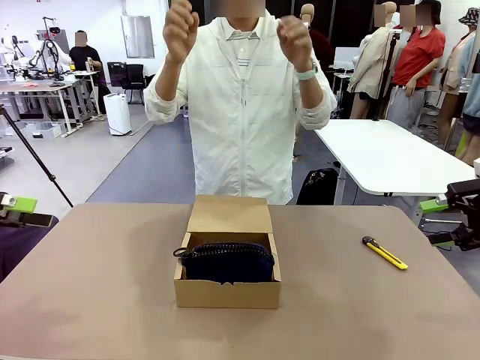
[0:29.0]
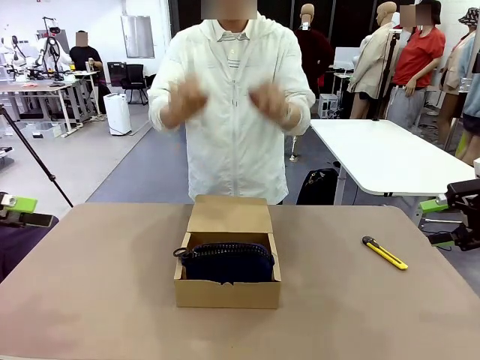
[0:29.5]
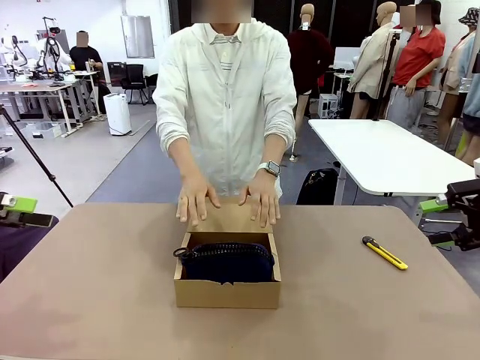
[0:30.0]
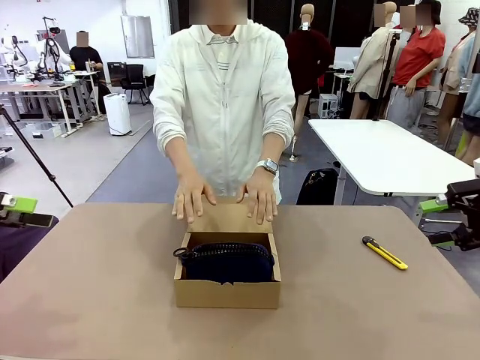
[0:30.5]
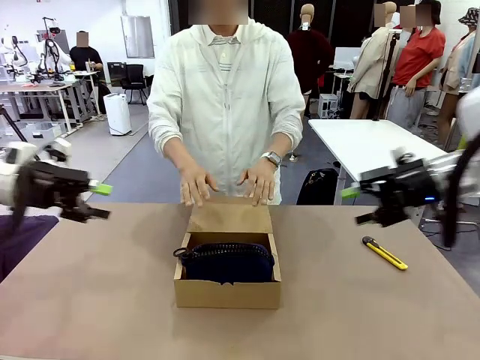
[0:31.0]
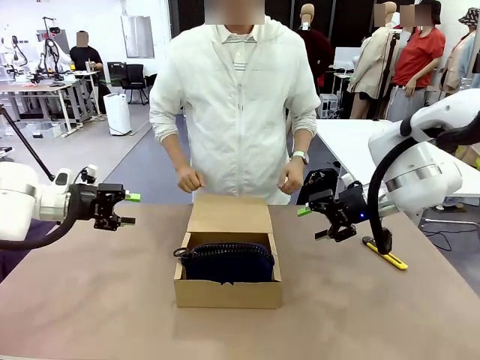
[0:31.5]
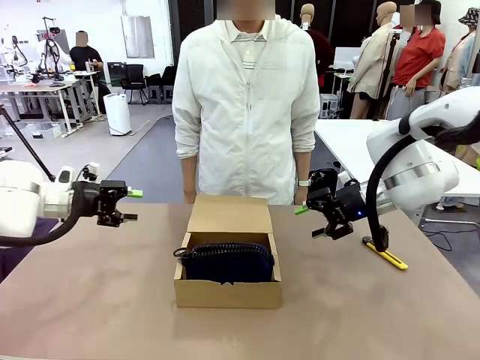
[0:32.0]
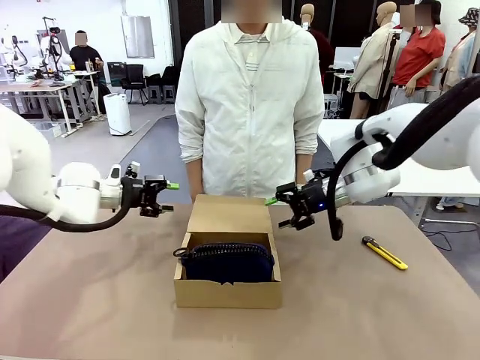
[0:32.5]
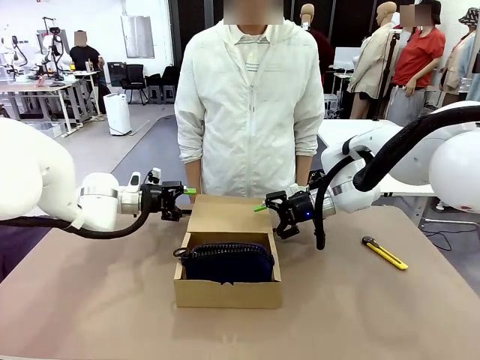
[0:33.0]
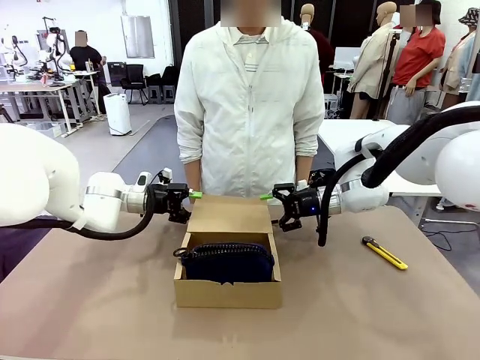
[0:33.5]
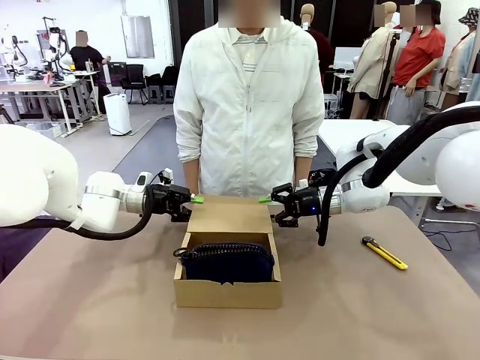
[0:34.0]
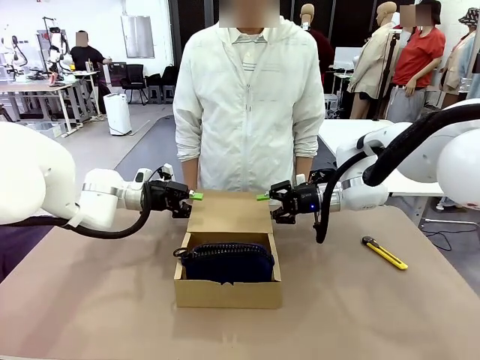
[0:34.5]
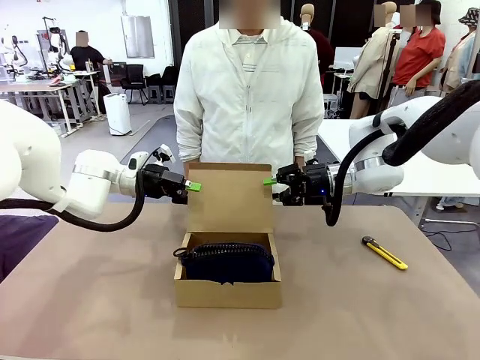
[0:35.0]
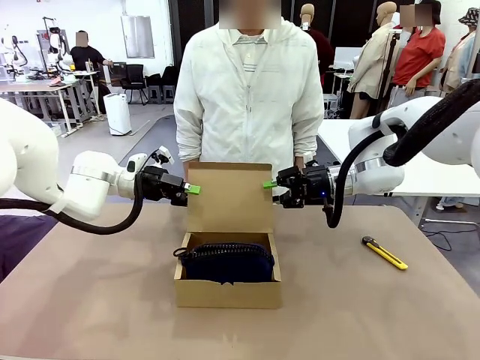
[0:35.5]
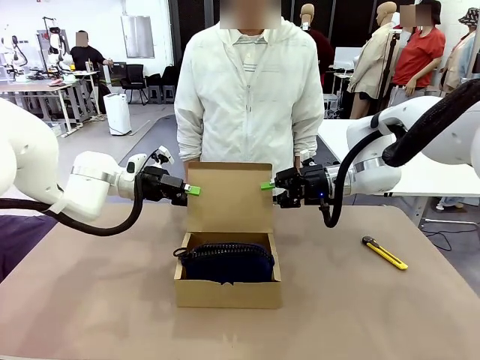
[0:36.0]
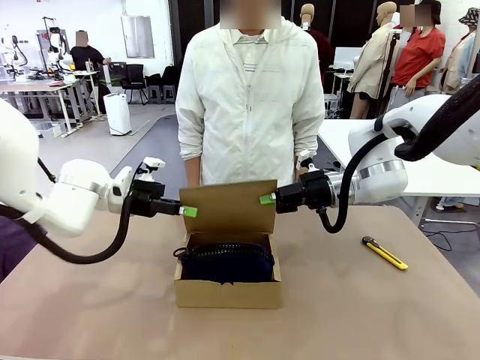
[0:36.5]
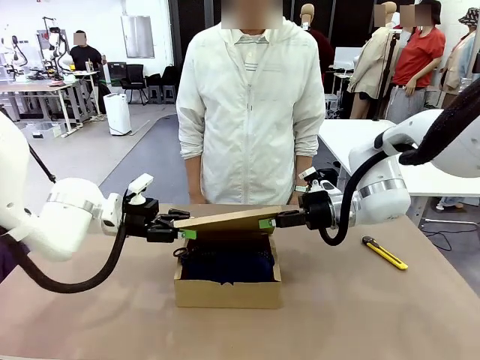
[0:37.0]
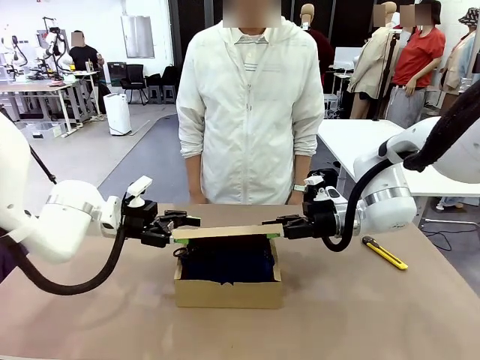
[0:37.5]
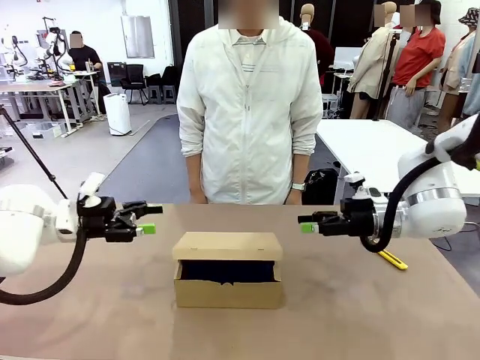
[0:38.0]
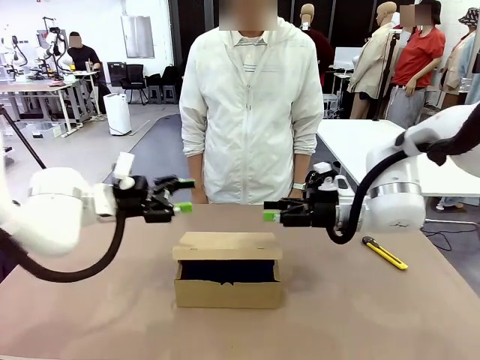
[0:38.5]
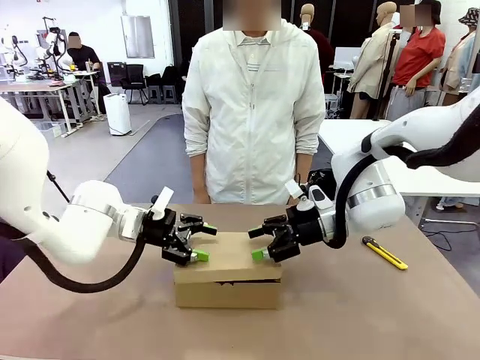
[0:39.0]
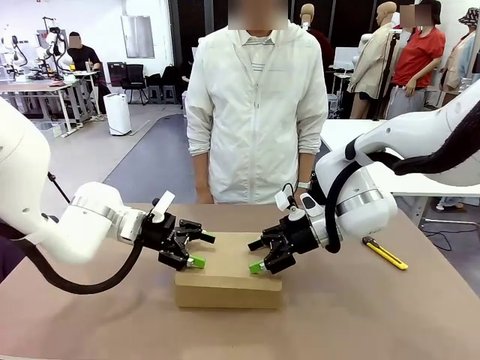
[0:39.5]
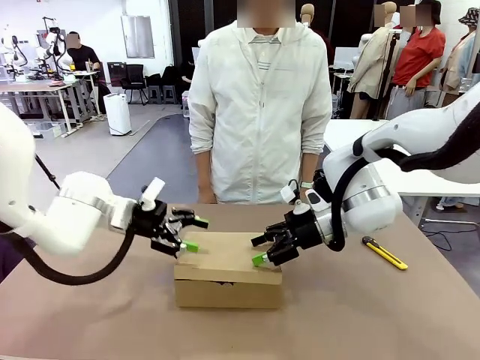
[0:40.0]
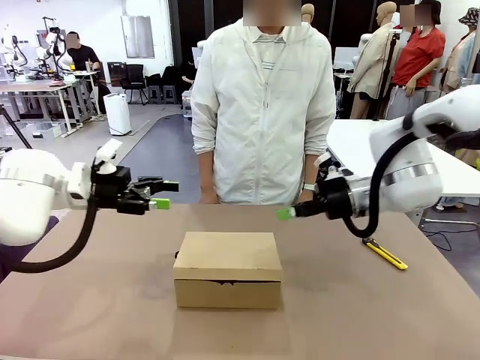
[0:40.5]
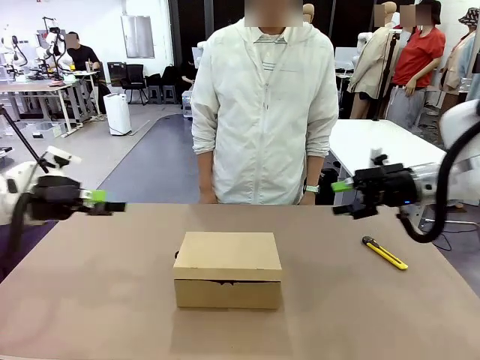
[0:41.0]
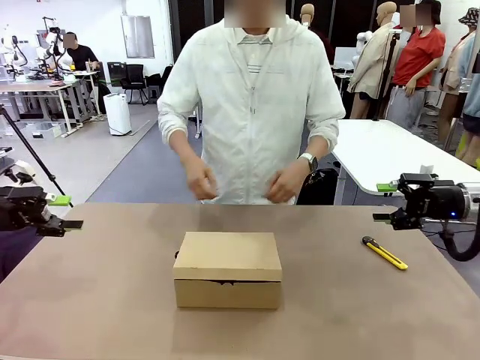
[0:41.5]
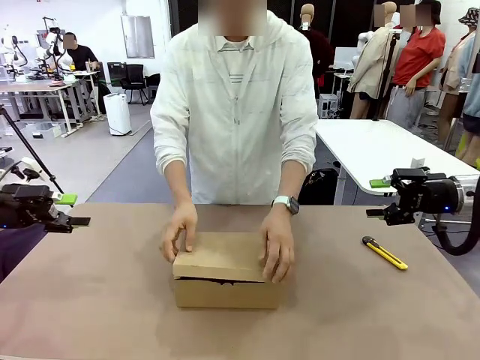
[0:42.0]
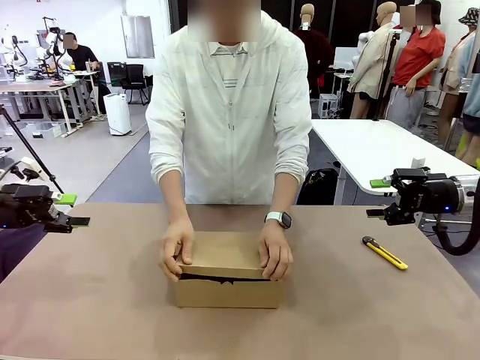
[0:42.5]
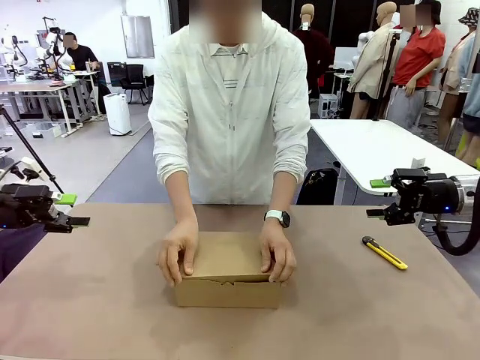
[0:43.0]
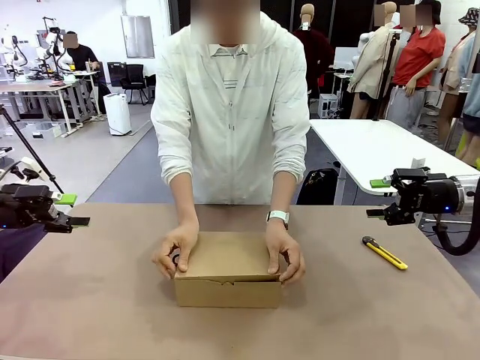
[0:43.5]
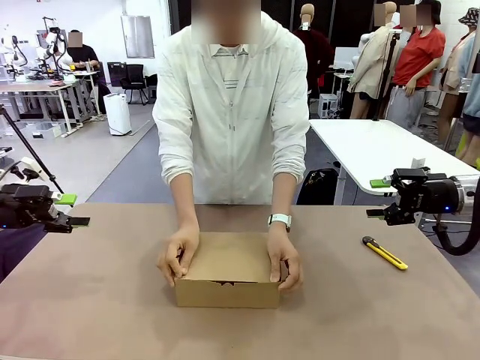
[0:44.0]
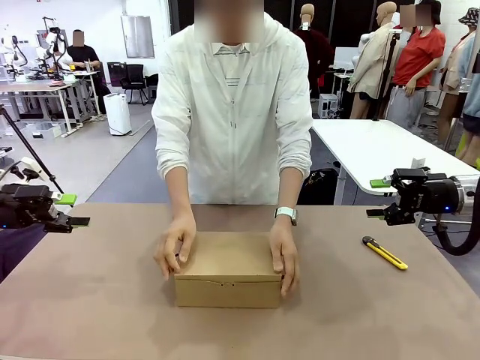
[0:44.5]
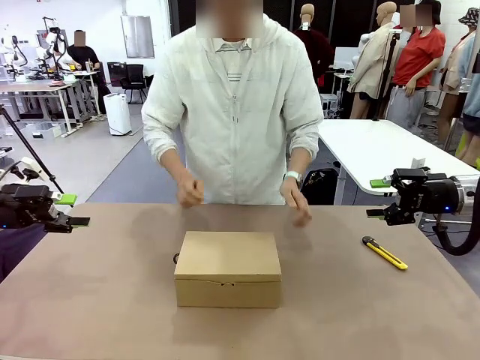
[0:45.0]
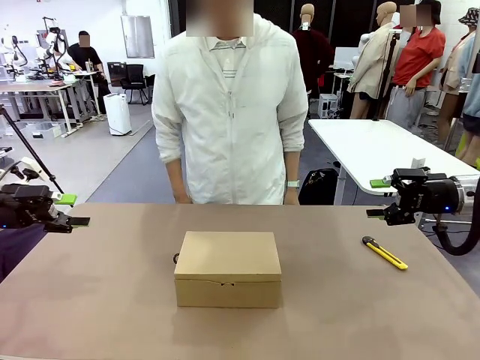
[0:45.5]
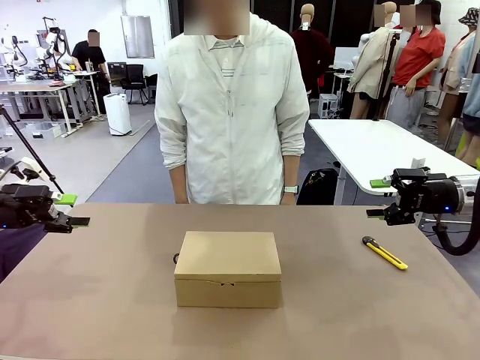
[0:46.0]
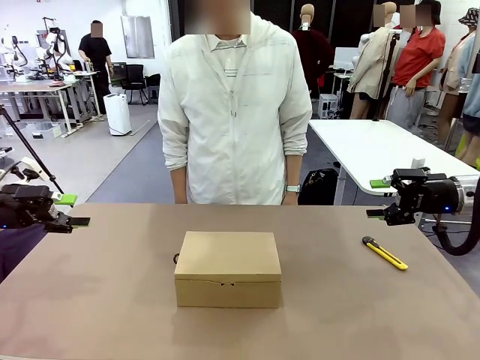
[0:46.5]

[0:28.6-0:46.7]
Task: Pack the items into the box.
Robot: Close the Mailer Box.
Person: Turn the box and lock it.
